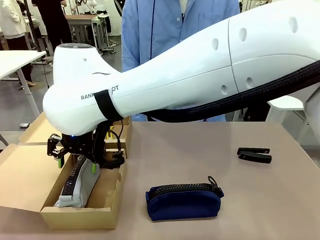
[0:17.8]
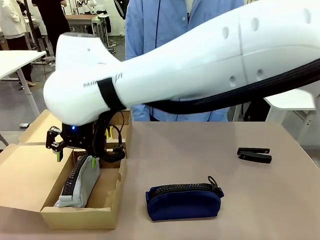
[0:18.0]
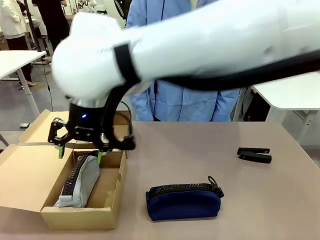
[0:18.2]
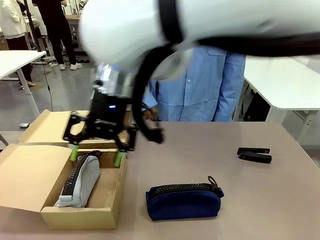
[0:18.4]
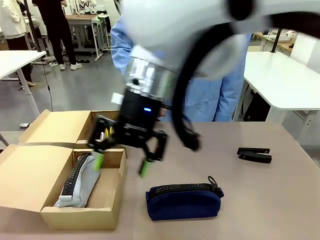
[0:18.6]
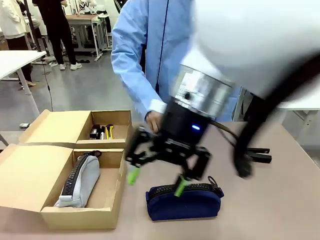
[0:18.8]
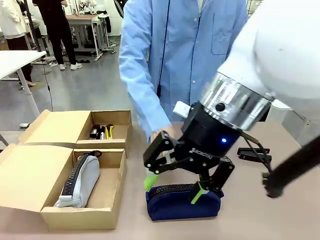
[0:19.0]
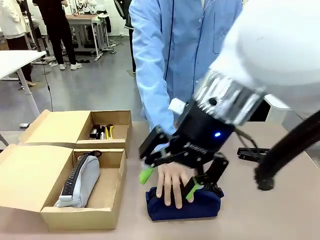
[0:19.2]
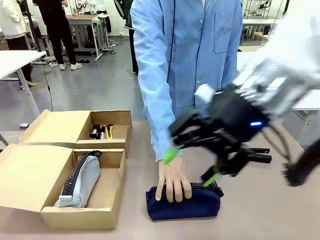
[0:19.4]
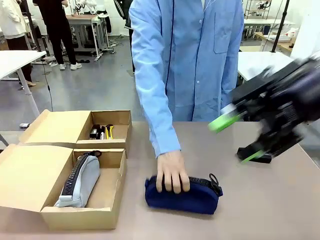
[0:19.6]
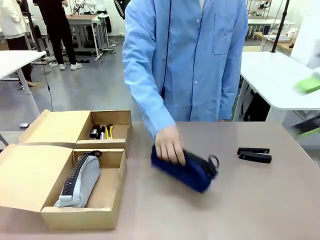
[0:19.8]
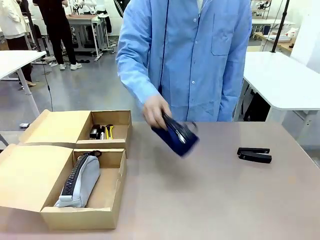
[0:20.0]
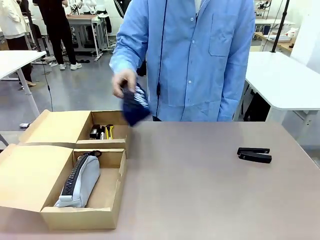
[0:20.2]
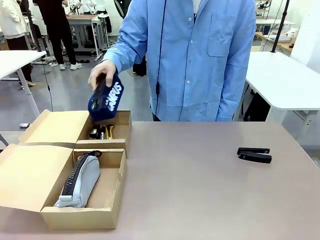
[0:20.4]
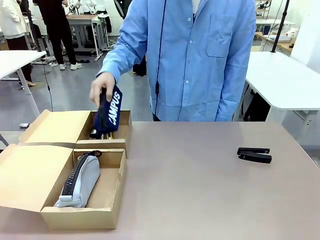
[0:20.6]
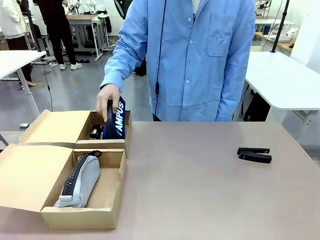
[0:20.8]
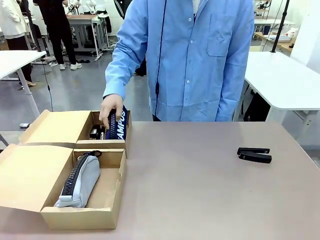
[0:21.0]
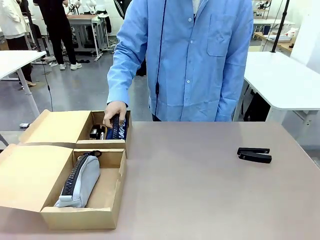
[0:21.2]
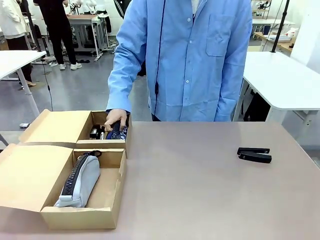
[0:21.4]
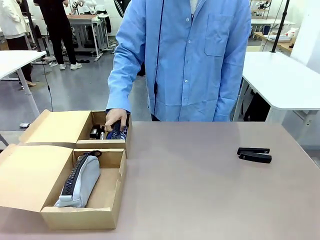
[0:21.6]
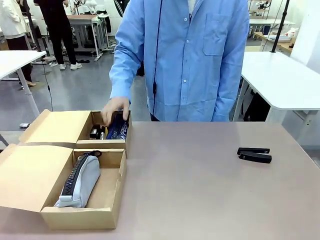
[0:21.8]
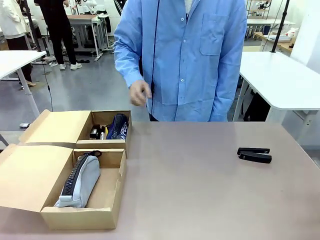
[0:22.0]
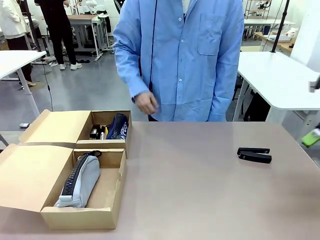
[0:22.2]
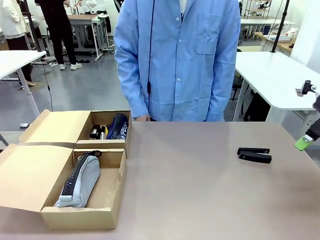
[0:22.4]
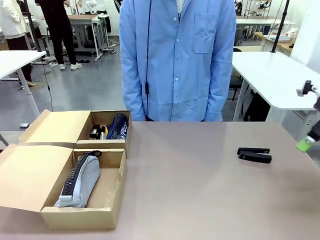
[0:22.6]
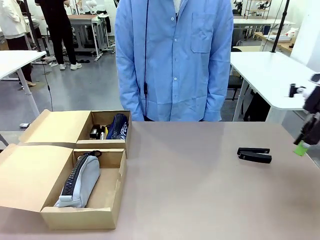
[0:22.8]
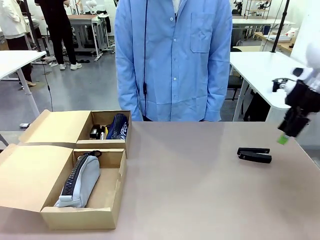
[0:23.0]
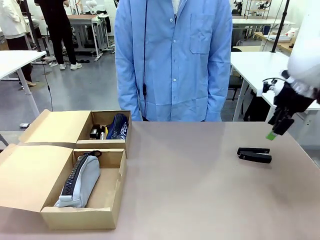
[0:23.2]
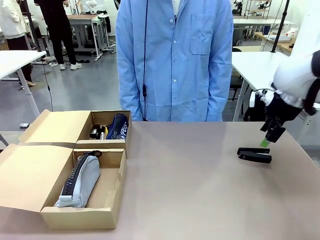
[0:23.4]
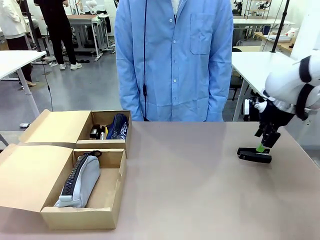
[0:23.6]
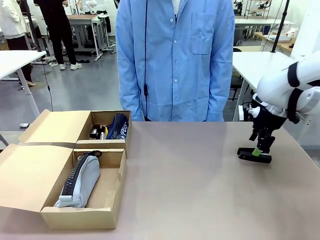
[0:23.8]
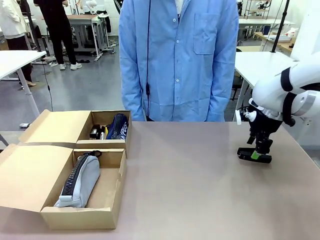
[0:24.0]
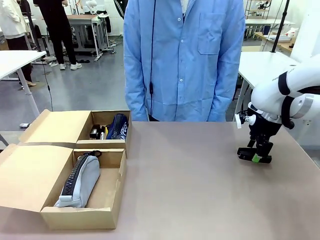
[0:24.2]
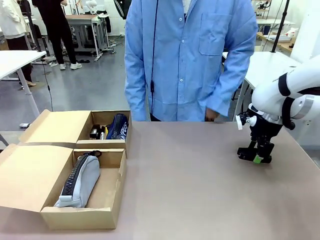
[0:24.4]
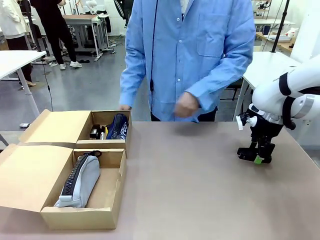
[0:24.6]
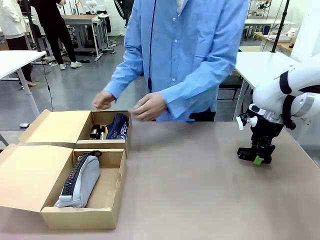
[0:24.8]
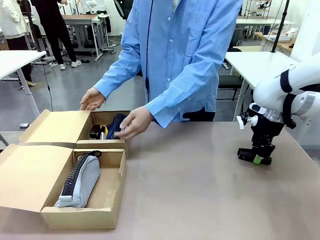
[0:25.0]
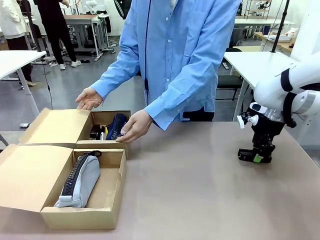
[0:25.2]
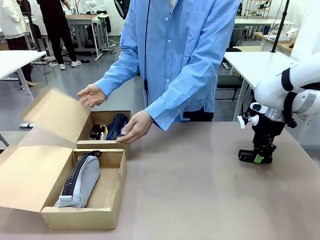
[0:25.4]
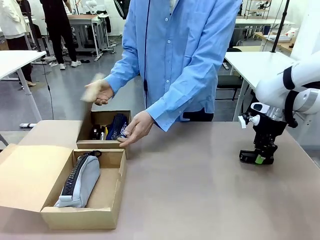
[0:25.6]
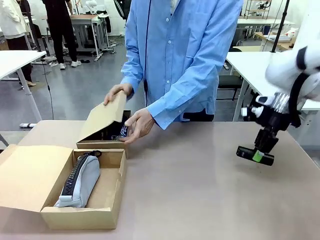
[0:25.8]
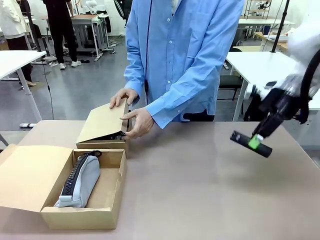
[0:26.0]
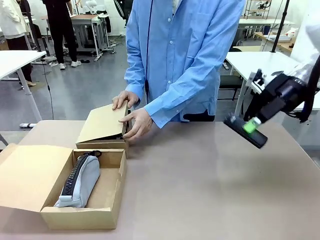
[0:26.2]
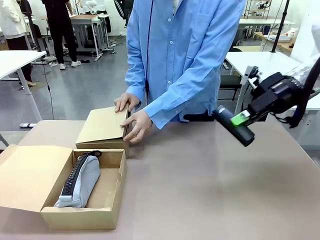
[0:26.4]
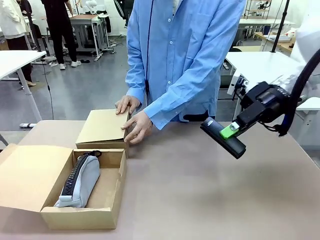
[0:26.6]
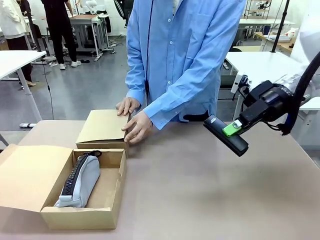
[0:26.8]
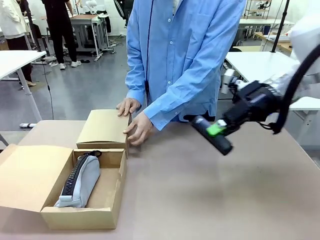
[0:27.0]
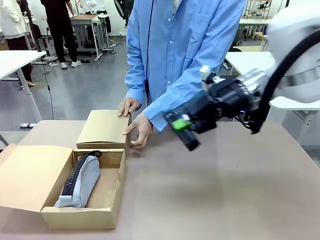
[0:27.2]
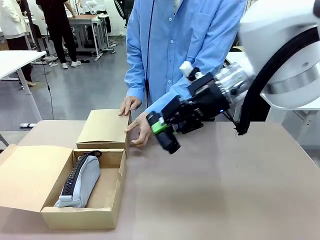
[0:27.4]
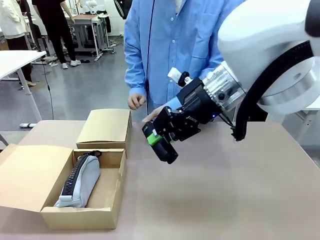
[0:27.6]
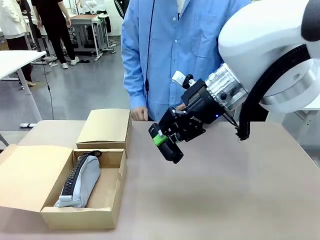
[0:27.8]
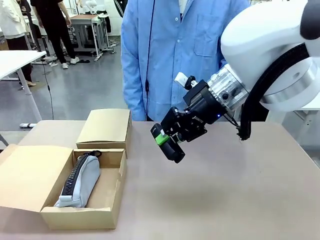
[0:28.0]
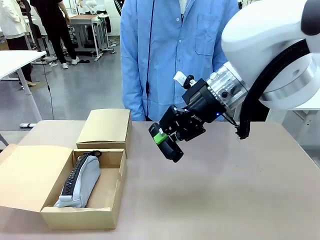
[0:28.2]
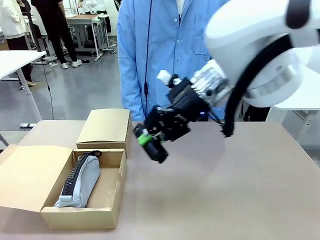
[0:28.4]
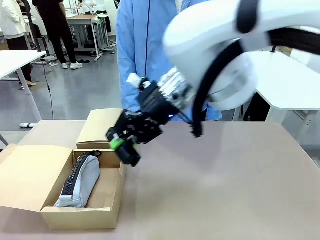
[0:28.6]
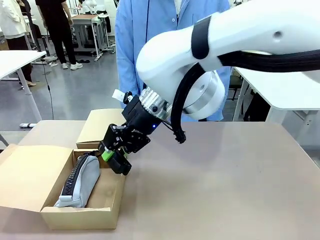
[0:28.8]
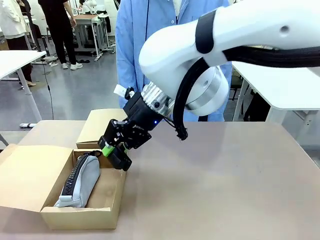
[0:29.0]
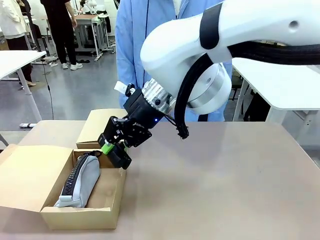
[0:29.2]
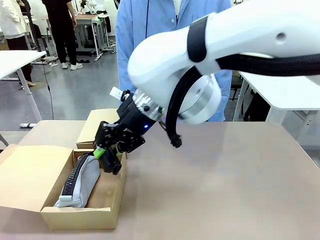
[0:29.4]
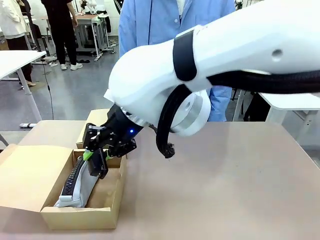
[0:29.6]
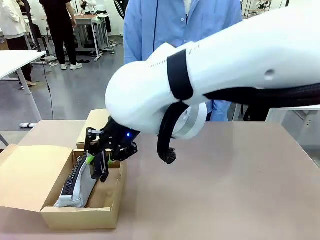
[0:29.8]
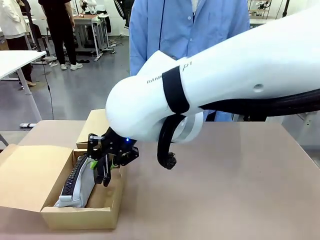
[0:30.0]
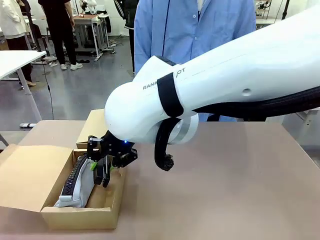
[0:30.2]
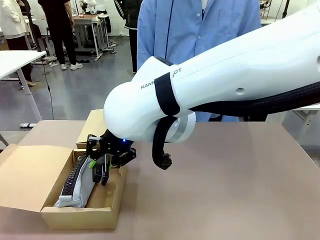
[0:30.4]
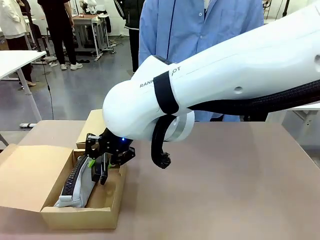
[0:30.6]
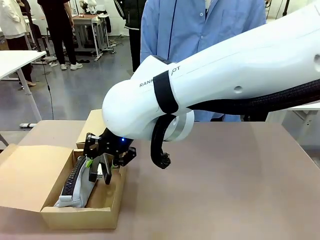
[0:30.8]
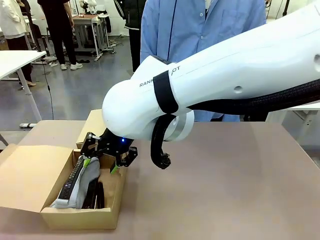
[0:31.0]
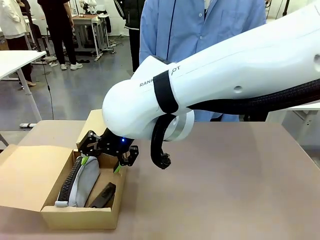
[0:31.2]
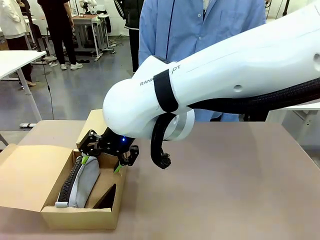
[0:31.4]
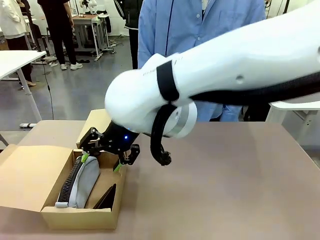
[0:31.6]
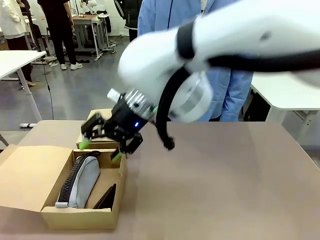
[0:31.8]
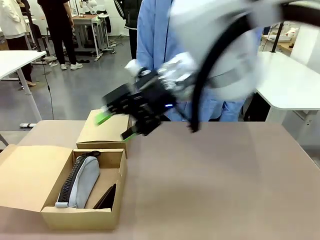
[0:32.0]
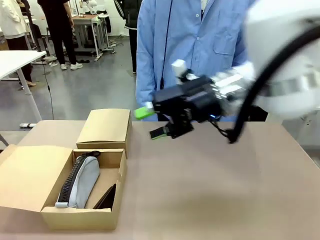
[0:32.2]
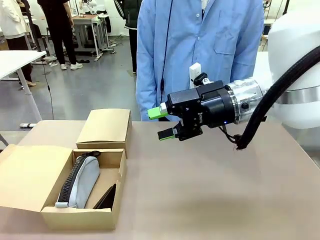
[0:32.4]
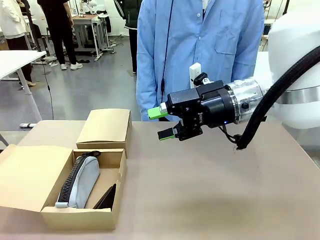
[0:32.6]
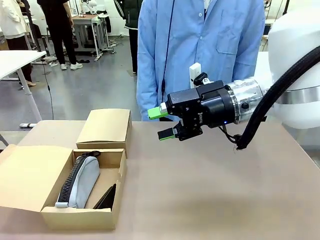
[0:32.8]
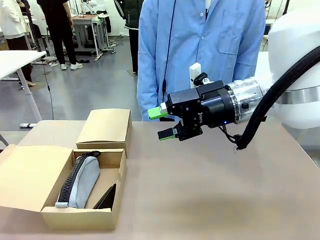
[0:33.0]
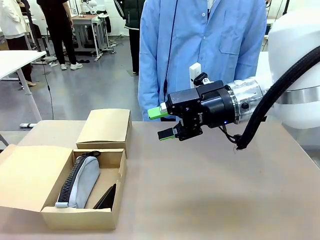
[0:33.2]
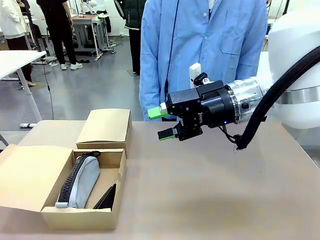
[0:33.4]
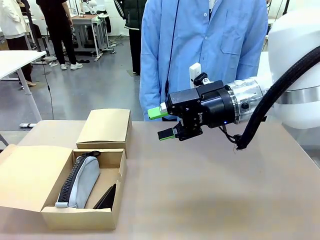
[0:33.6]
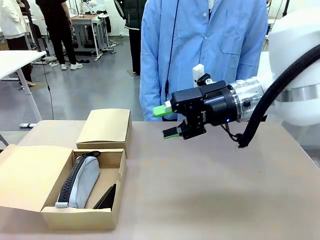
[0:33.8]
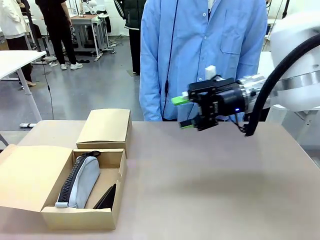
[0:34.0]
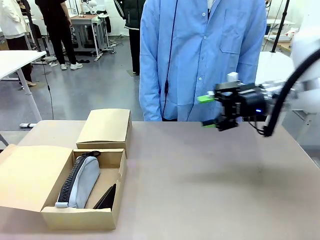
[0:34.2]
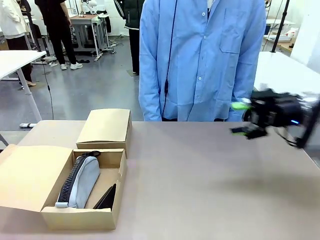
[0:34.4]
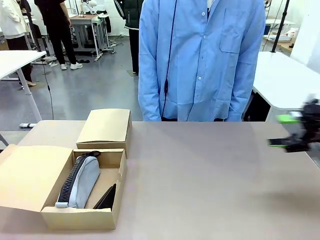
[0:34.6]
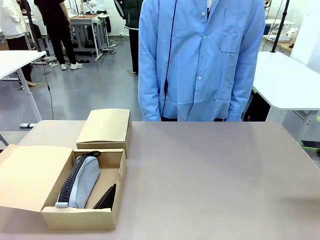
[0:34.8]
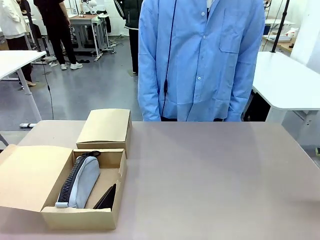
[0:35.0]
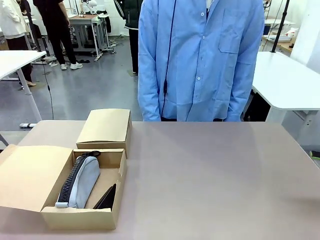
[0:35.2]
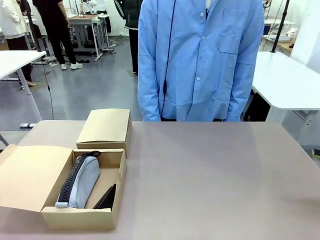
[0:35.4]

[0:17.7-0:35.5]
Task: Place items inside the box.
Robot: Pick up a Pencil pouch or Stapler and place it inside the Mailer Box closest to the robot.
Person: Close the lid of the box facing the person.
